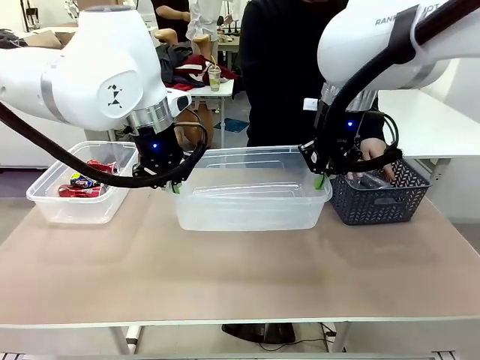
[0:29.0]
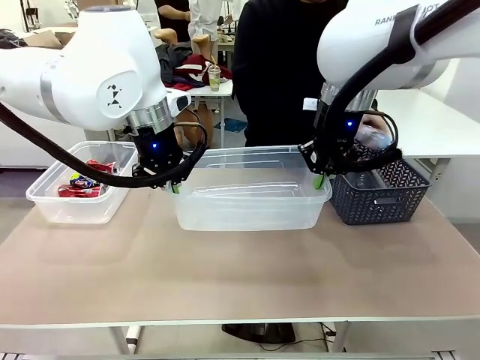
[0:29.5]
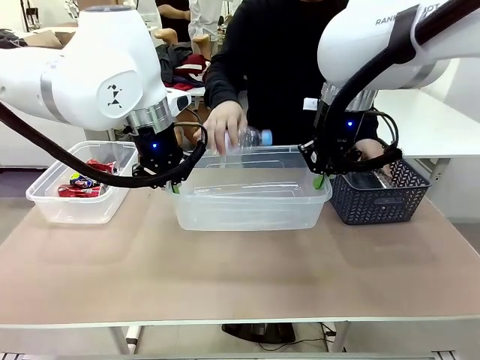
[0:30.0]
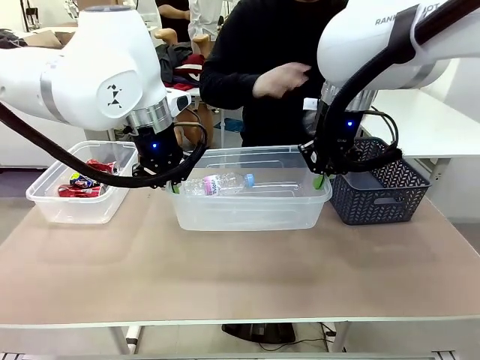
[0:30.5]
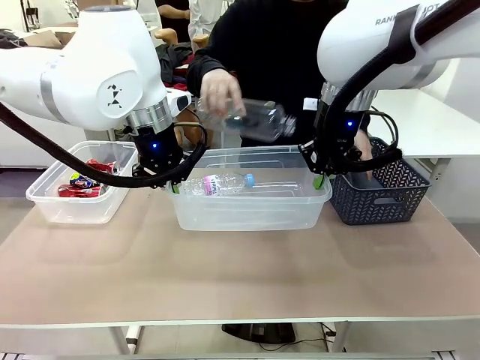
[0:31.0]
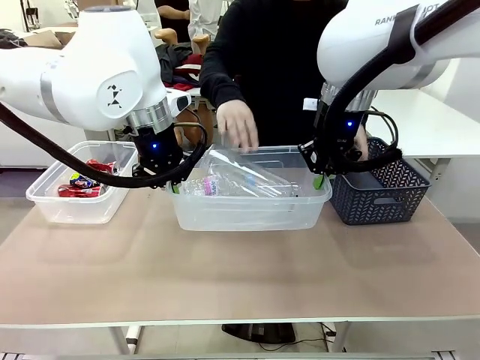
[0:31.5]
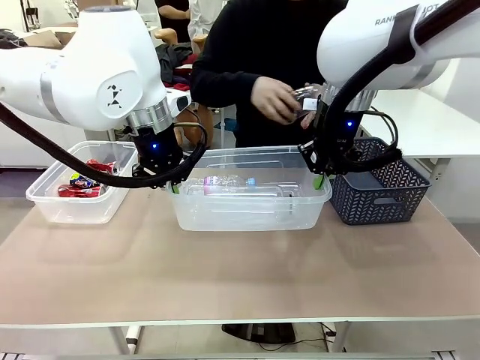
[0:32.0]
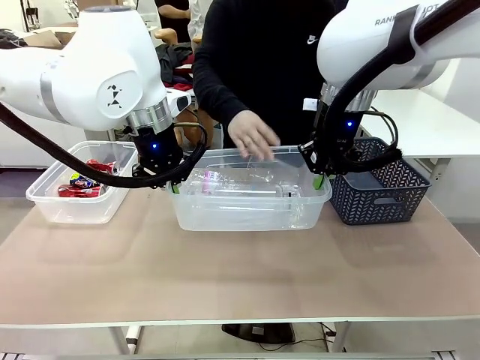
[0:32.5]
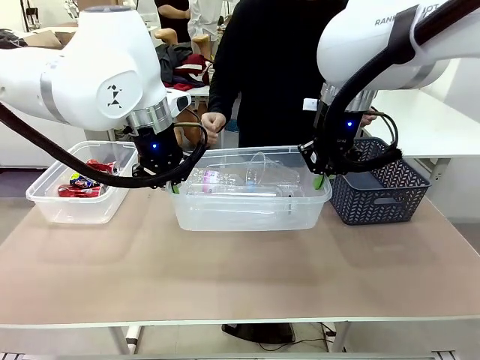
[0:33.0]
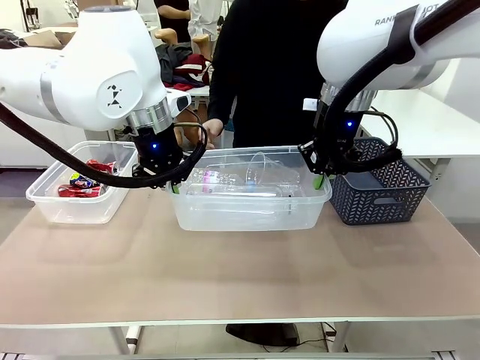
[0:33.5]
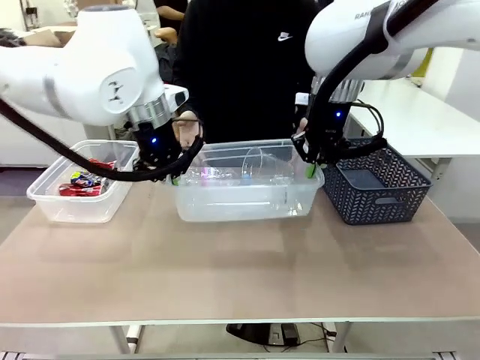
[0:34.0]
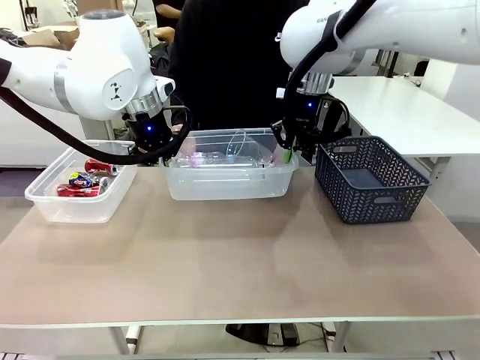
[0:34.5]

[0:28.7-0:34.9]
Robot: Offer the picked Organizing box to the human.

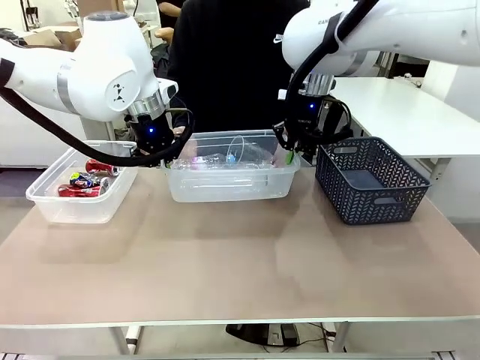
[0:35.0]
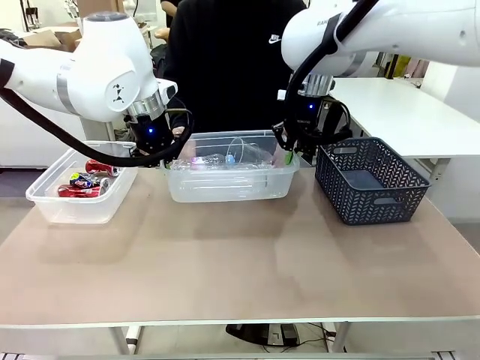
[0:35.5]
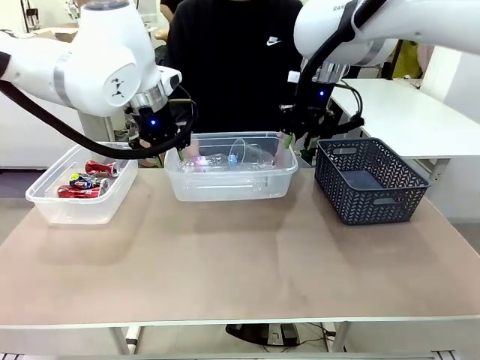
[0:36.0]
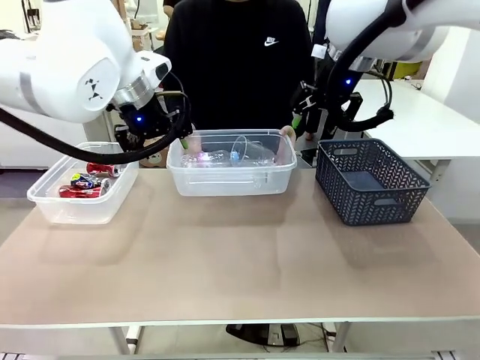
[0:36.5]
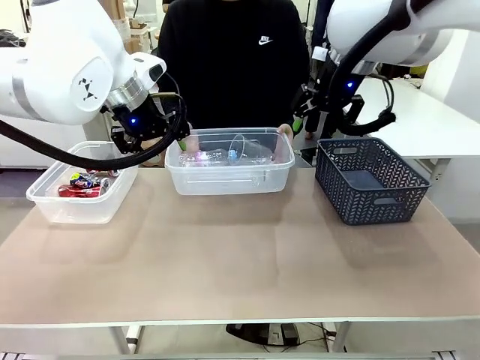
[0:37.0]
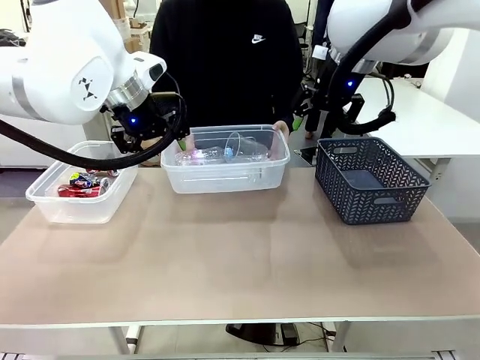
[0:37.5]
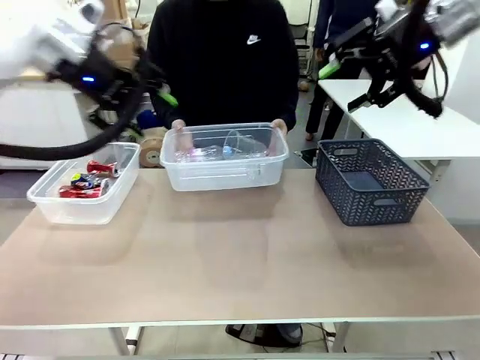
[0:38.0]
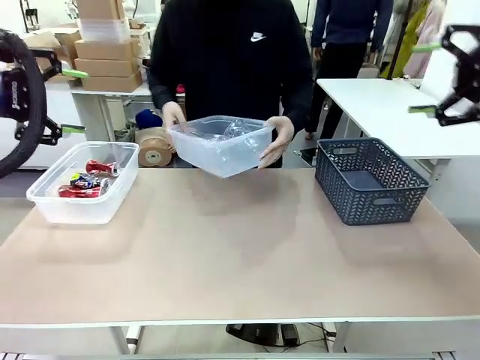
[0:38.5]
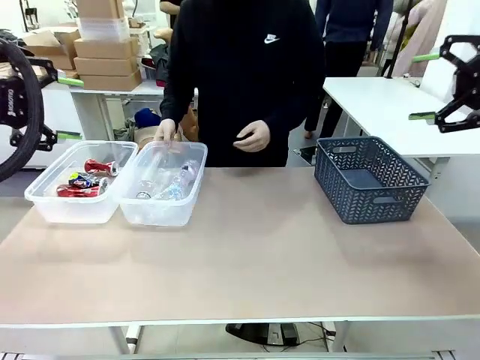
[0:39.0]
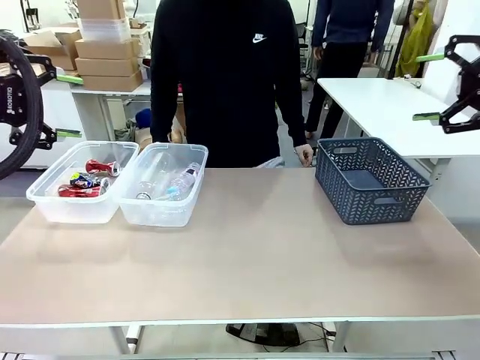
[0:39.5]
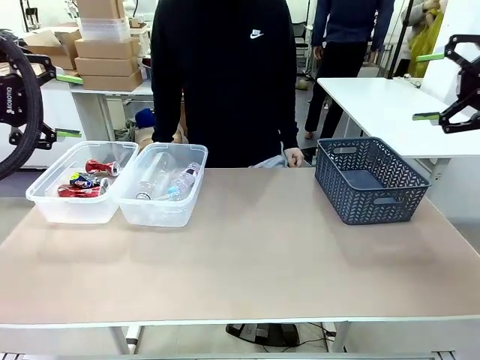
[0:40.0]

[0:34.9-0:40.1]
Robot: Release the Organizing box you were holding.
Person: Pick up the organizing box extended by the robot. Place the organizing box to the left of the sorting box containing the can waste.

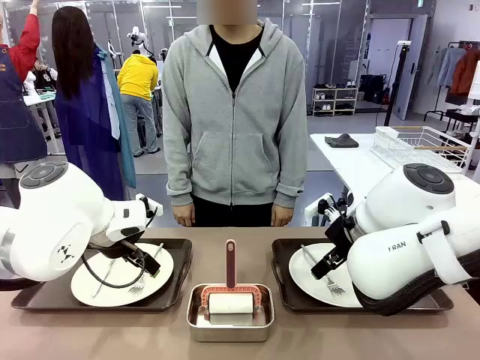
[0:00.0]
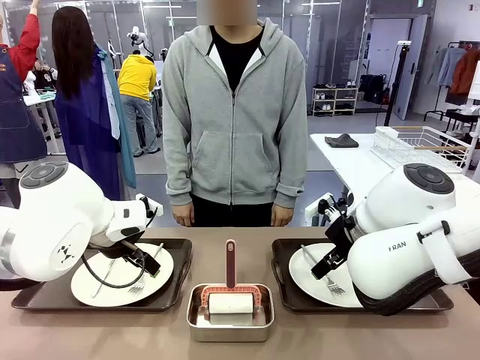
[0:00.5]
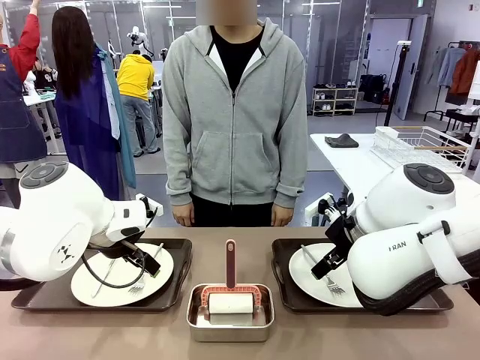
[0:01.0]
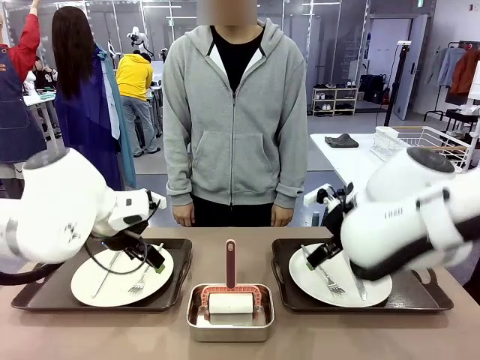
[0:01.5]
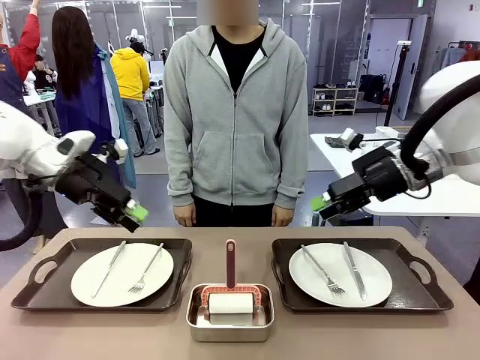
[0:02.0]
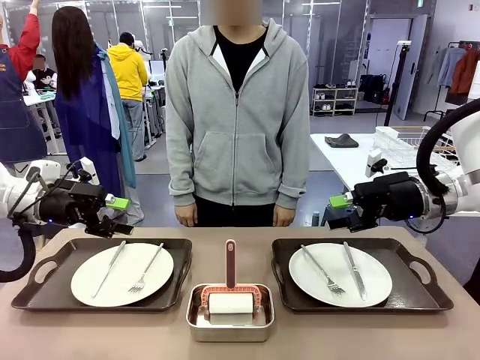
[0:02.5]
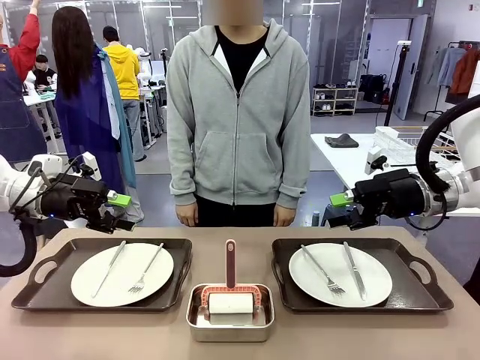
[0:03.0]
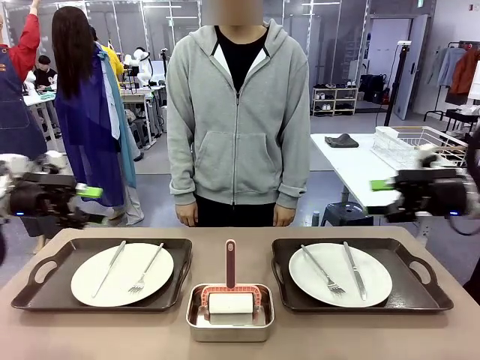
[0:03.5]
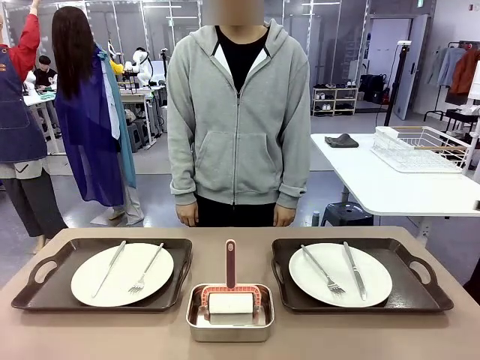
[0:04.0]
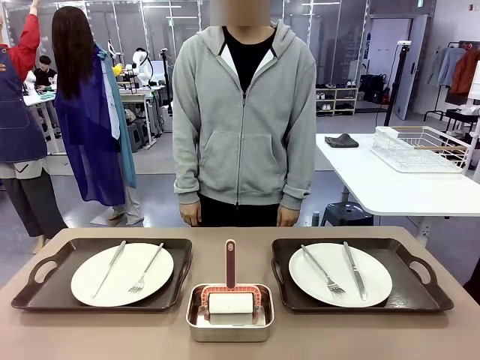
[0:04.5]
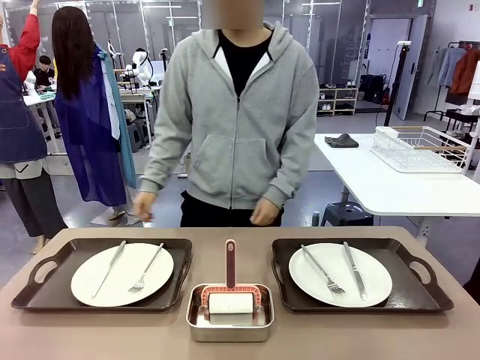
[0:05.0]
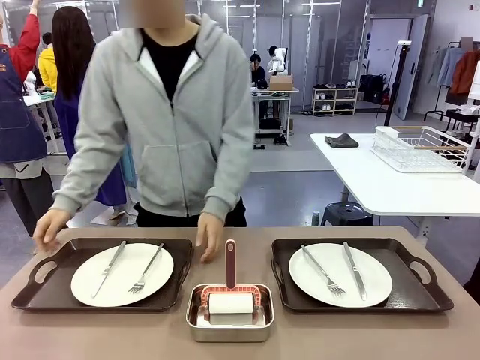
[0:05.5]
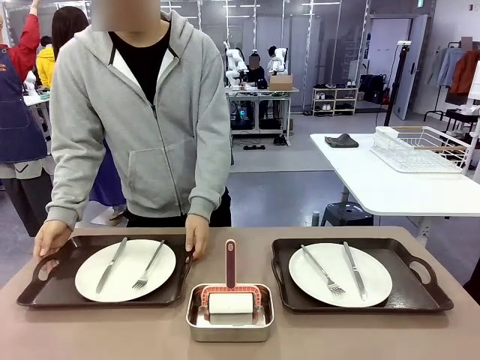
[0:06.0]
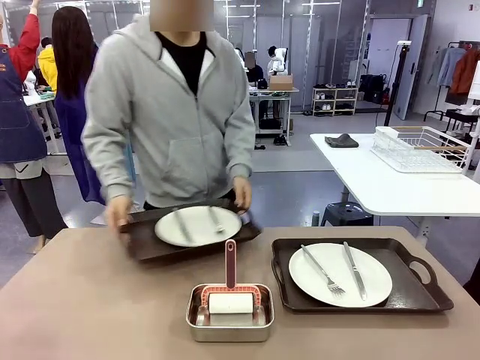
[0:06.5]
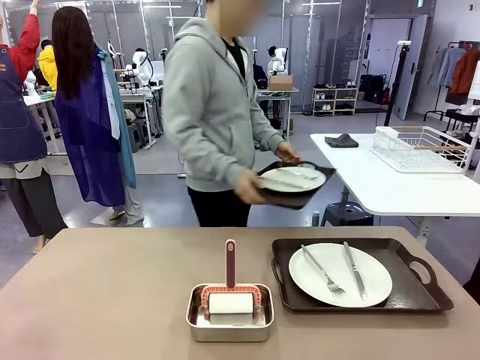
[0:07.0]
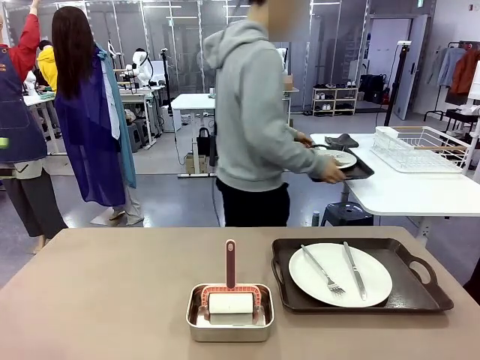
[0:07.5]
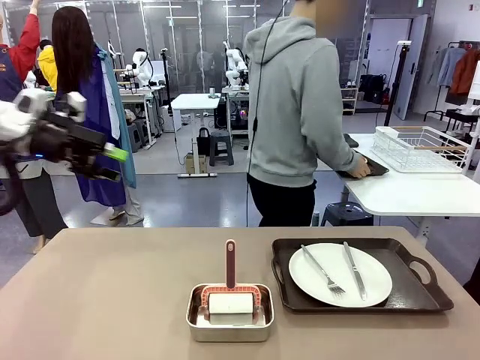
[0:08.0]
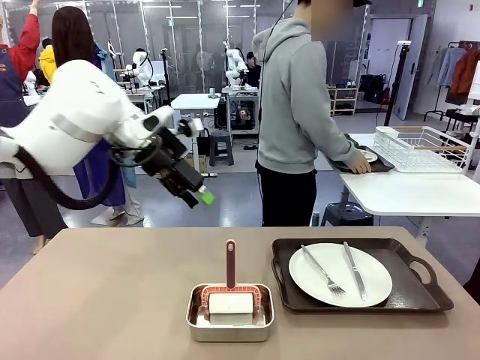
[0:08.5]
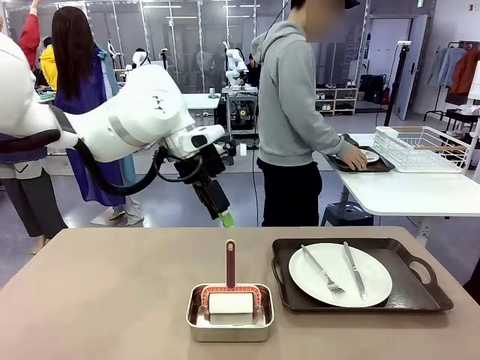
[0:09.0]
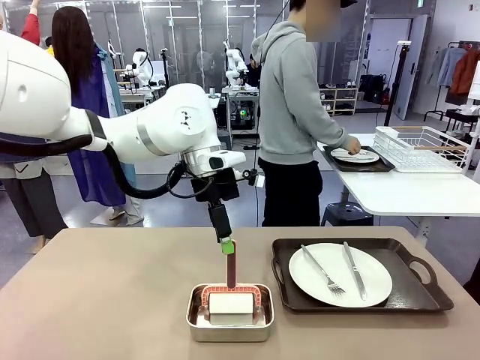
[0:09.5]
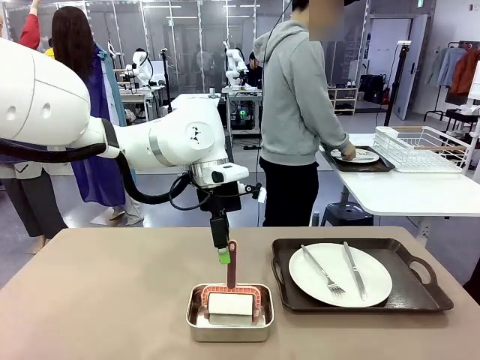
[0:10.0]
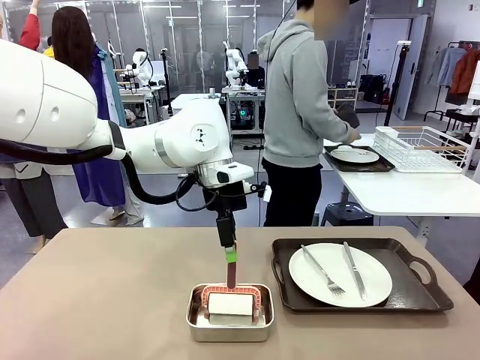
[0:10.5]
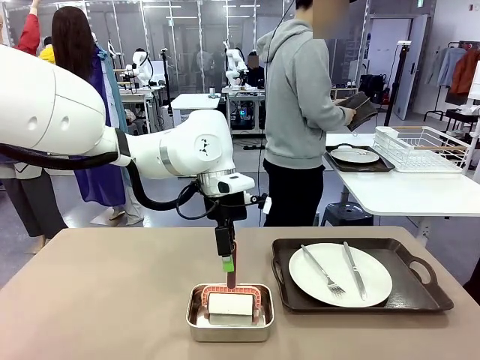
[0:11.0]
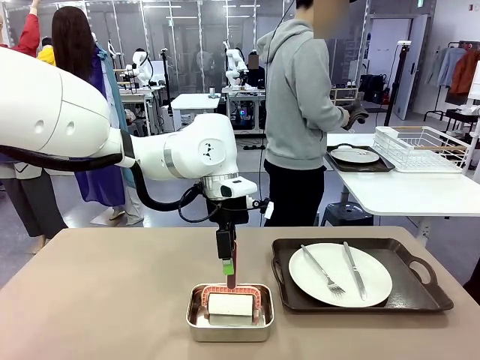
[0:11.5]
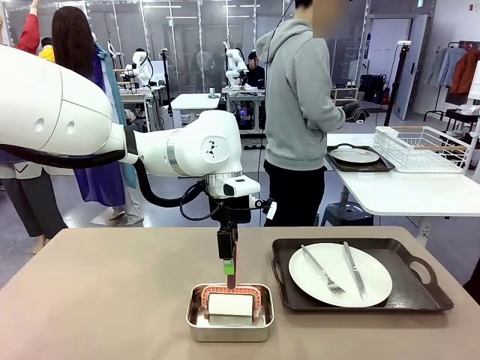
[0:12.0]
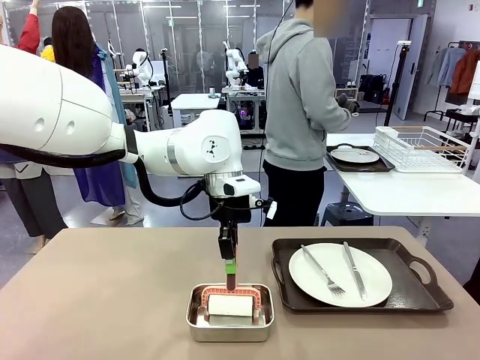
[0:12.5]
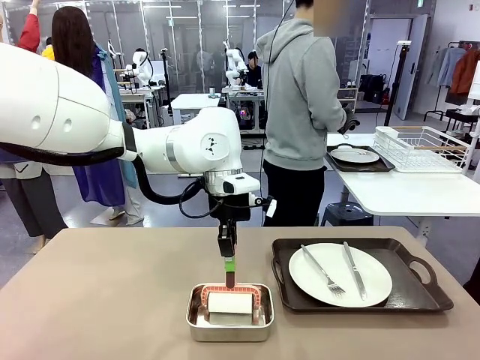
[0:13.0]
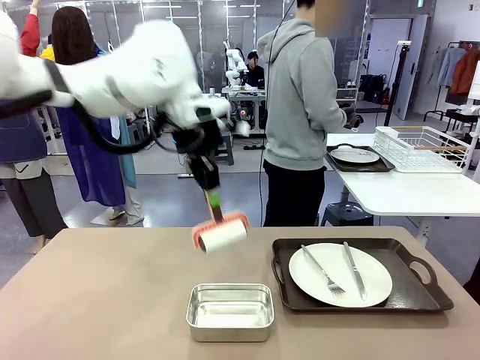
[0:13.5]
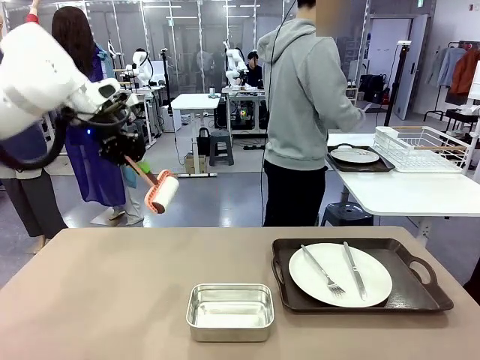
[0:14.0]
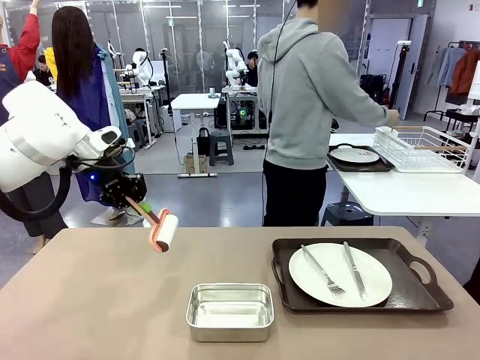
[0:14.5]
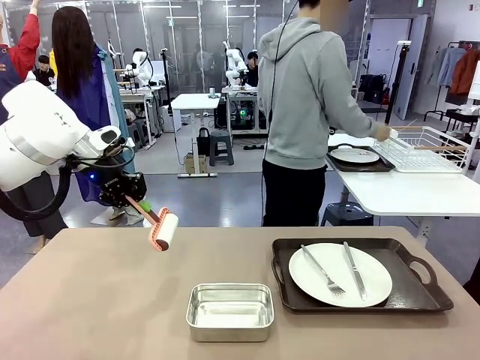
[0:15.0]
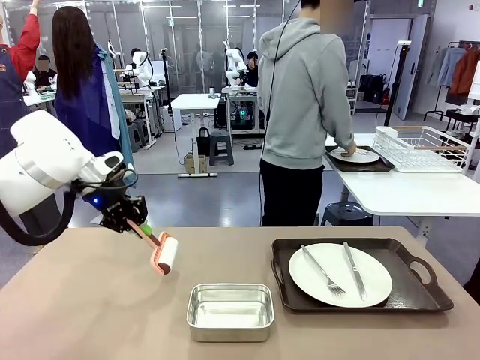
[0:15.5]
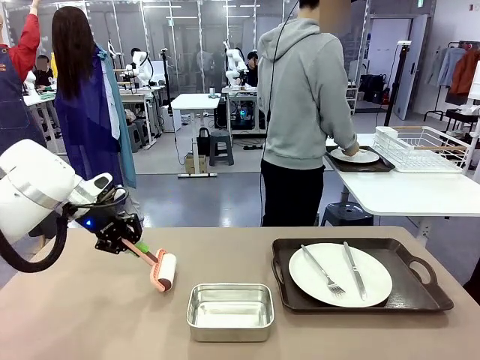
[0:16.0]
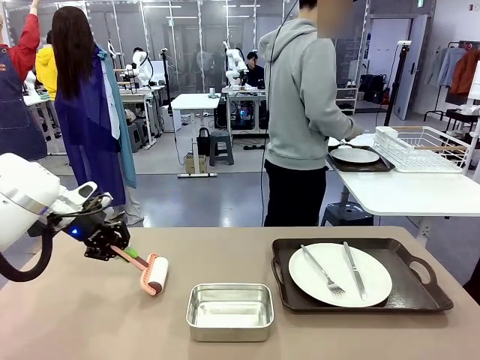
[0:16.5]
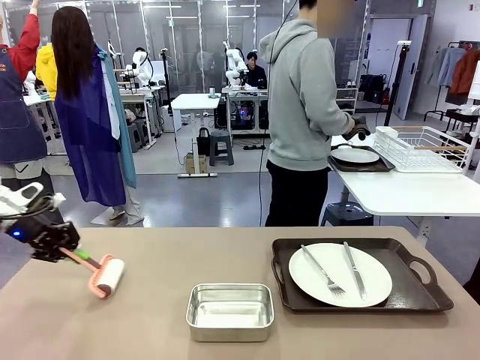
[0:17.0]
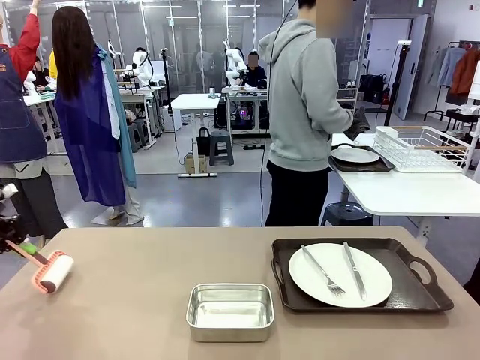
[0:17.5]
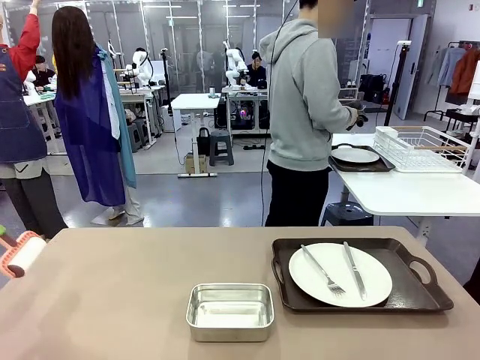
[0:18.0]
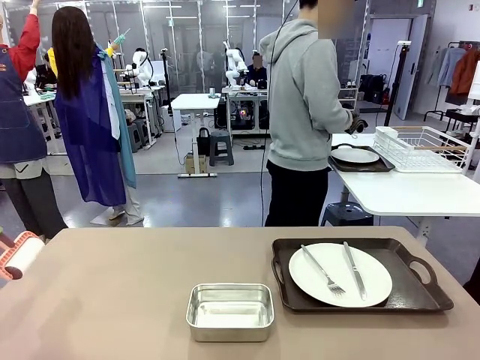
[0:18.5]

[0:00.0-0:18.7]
Robot: When the left (or right) Handle tray is removed, use the left hand (or right hand) to clean the left (or right) side of the table with the Lint Roller.
Person: Pick up the left (or right) Handle tray and place it on the middle of the Human's table. Use the Towel with hook to wipe the Plastic Matte Plate , Fork , and Knife and place into the Dish drying rack.
